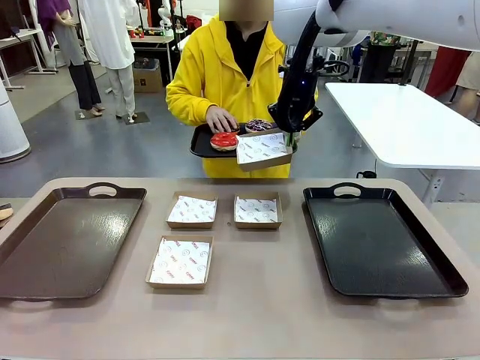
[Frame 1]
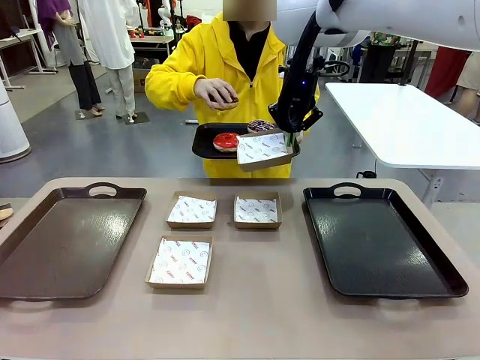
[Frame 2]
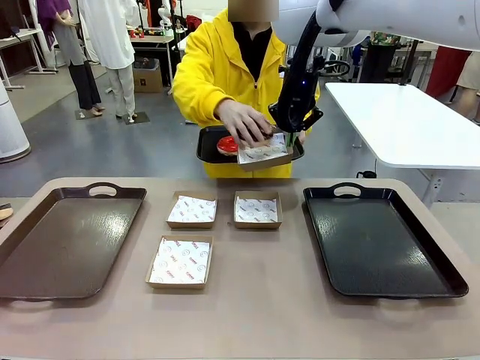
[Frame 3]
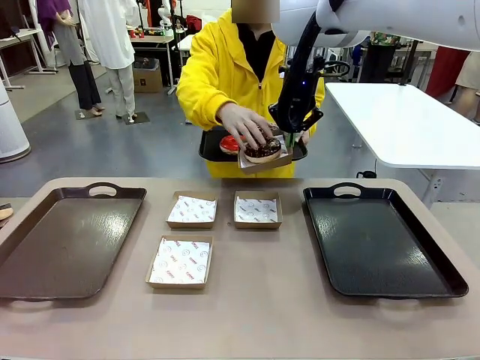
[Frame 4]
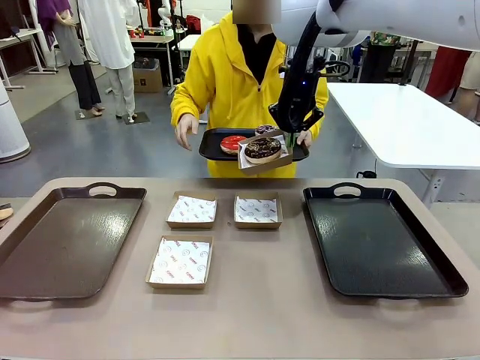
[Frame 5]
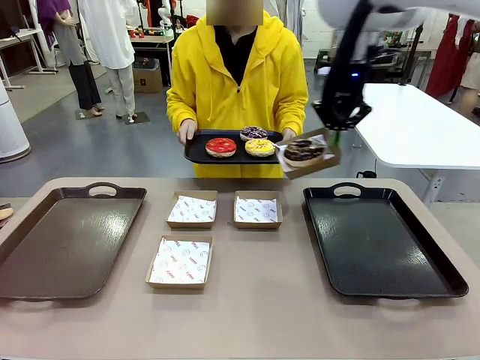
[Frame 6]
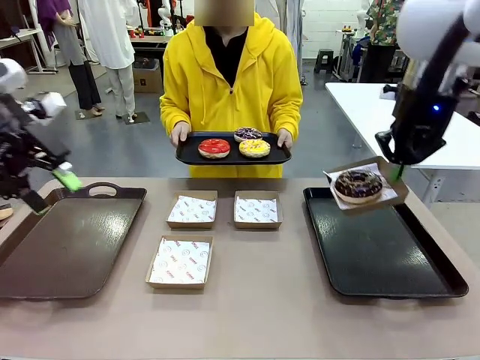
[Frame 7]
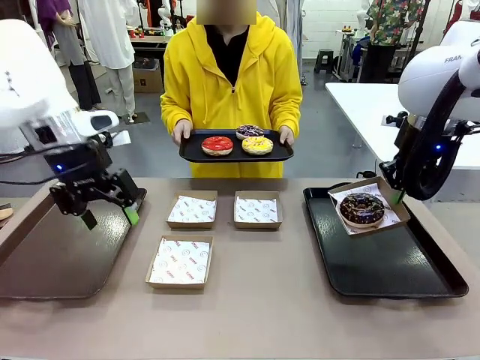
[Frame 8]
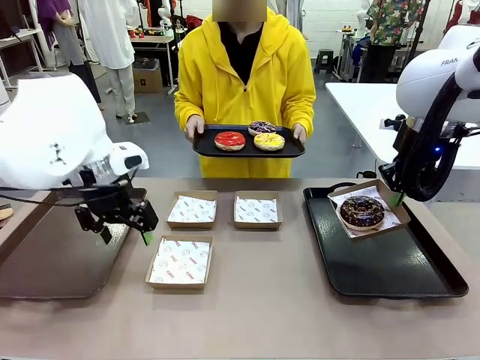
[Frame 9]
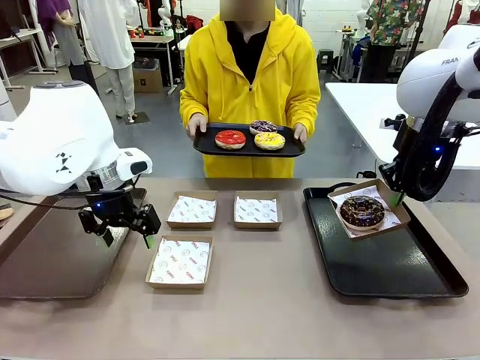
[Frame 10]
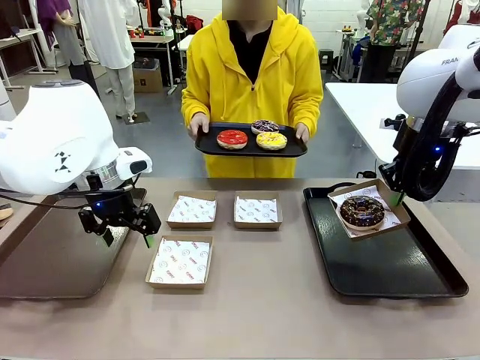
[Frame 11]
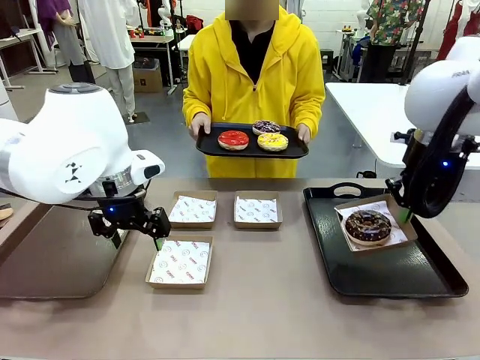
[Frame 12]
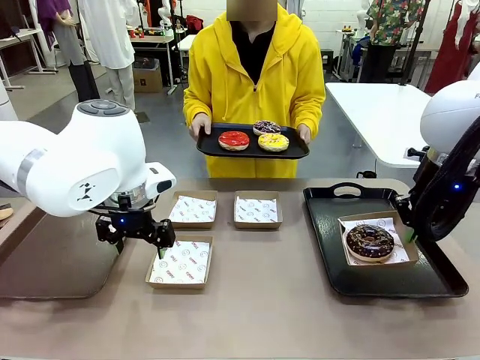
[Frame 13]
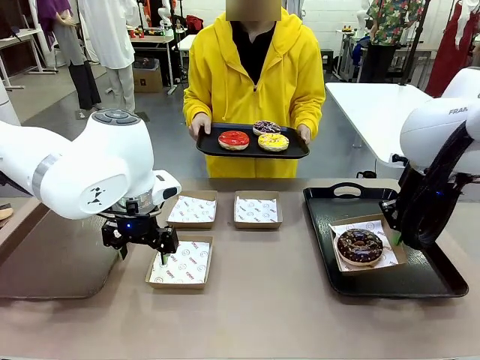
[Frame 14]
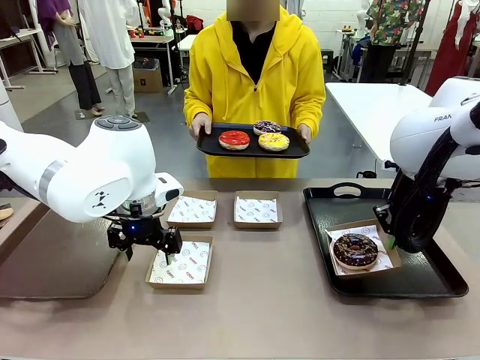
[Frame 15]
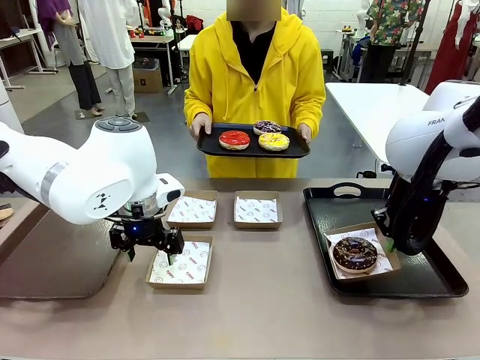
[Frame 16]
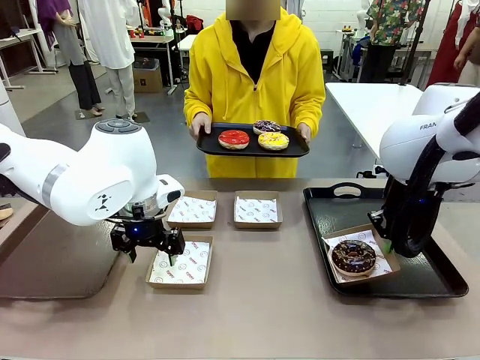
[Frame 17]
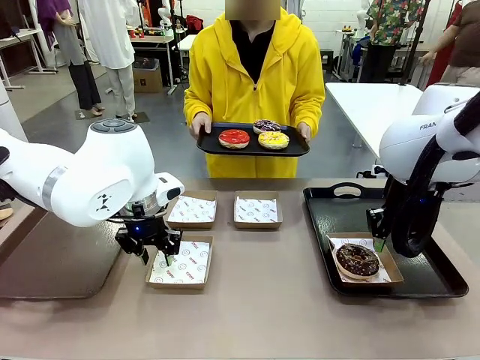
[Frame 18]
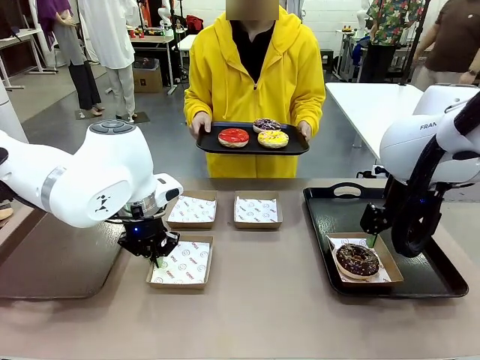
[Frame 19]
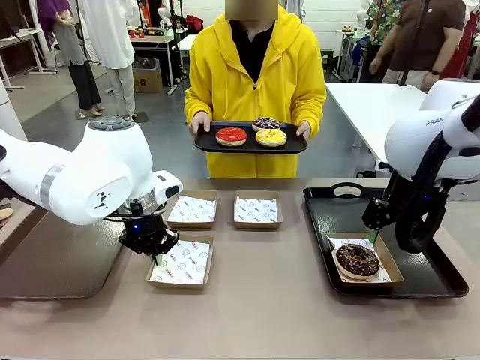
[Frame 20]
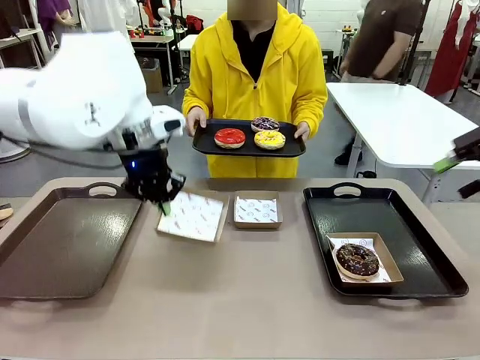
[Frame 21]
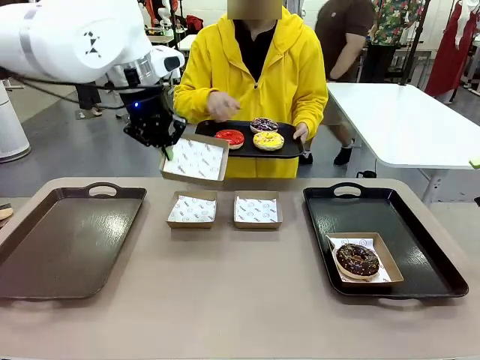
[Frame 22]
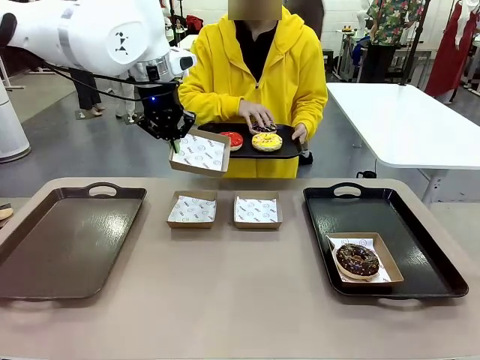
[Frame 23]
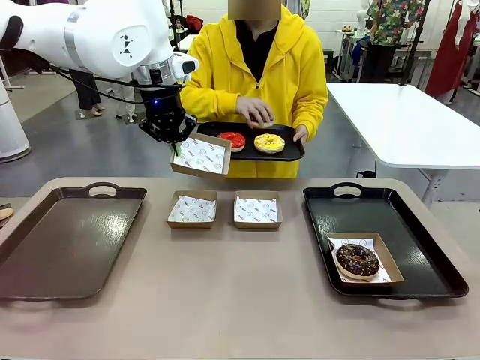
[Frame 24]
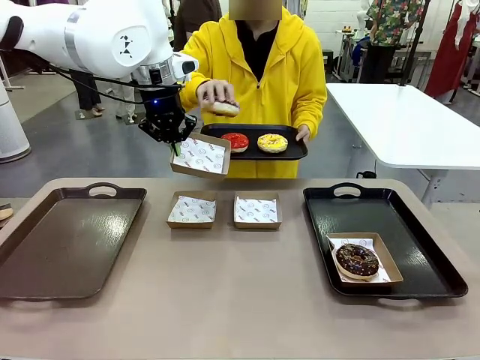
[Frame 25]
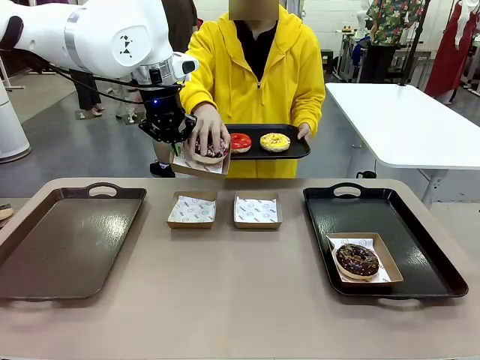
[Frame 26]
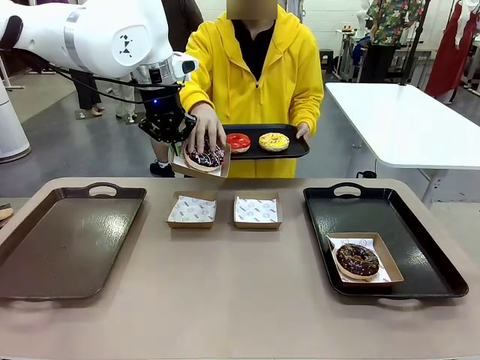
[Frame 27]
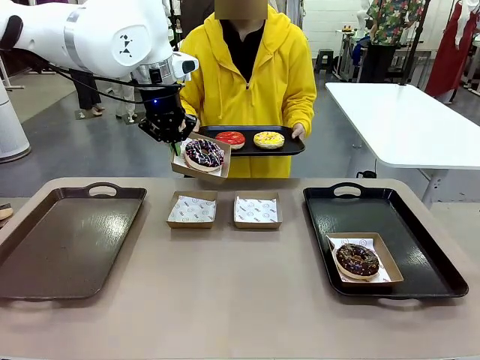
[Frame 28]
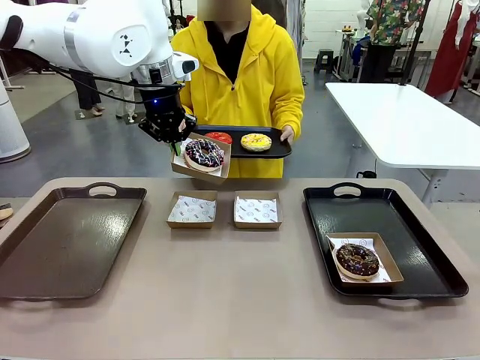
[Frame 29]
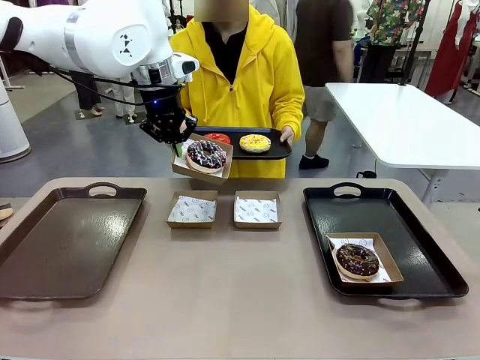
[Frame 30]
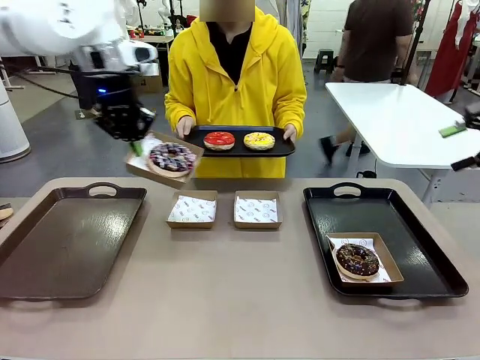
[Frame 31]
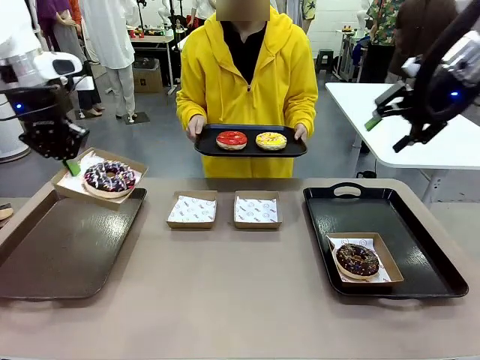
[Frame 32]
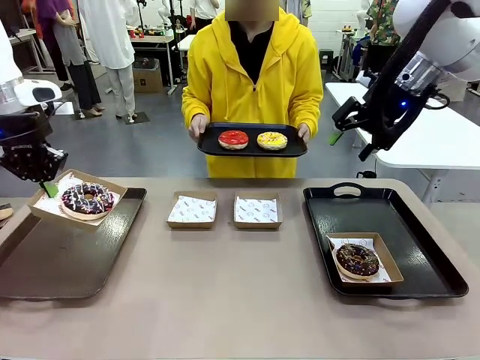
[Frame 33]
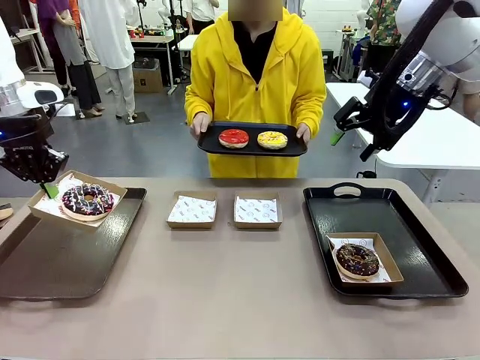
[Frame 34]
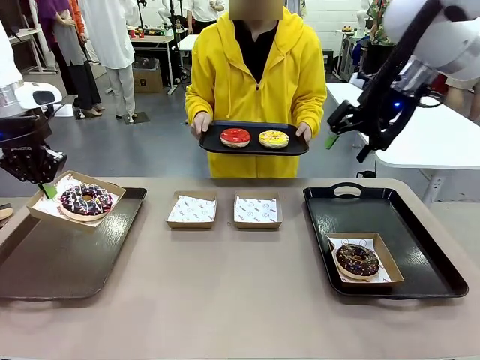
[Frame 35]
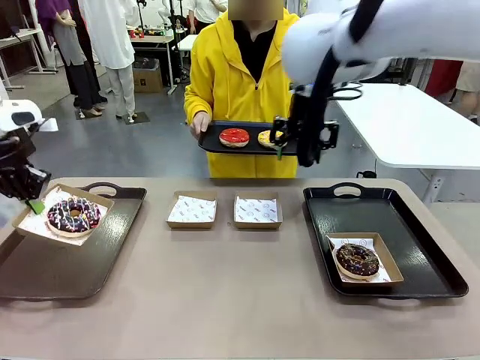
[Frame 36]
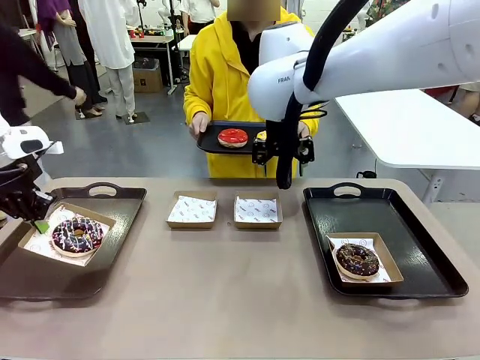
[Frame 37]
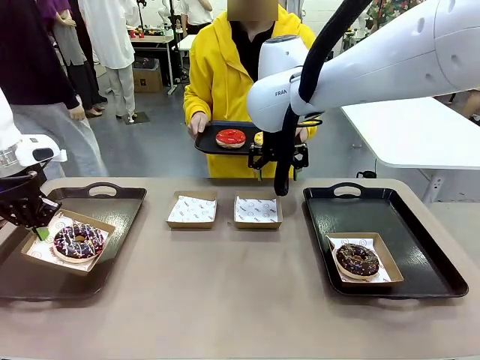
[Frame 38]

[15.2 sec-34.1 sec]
Task: Individually package the donuts and arrange them on the tray.
Robot: Place the picked Paper togo box on the Handle tray while simultaneously picking up another Paper togo box from the table with the other hand.
